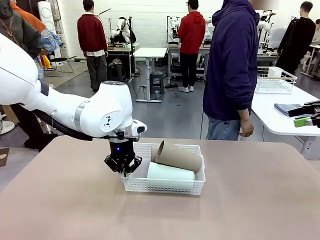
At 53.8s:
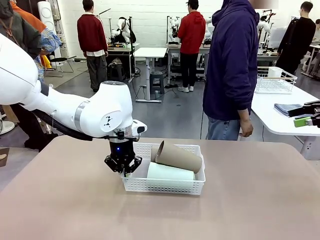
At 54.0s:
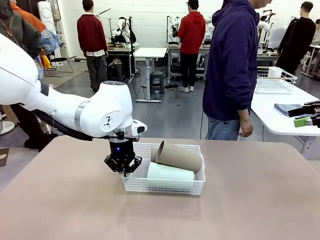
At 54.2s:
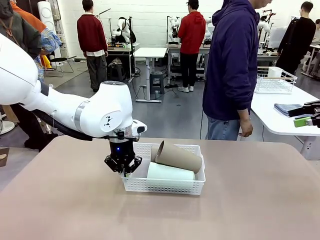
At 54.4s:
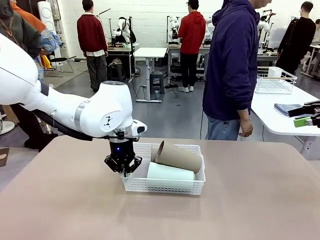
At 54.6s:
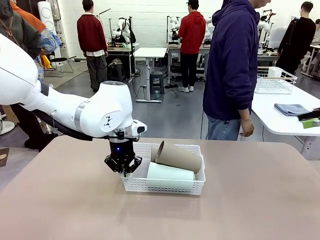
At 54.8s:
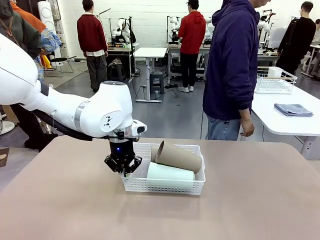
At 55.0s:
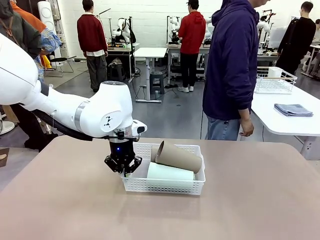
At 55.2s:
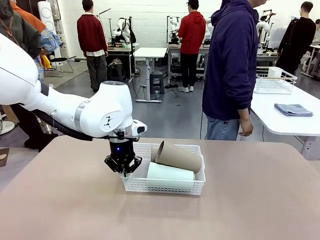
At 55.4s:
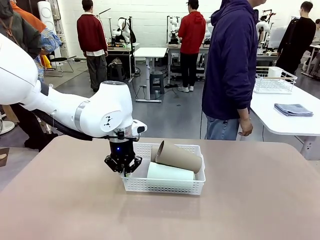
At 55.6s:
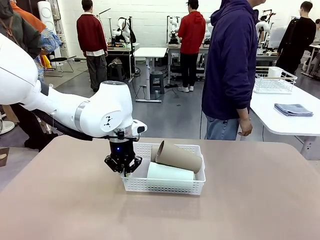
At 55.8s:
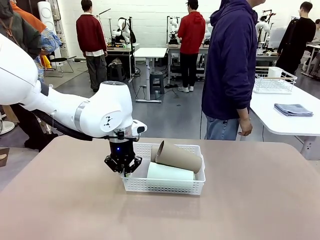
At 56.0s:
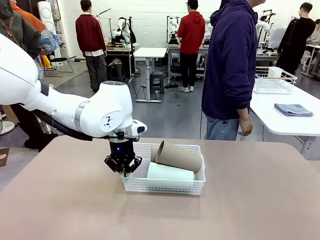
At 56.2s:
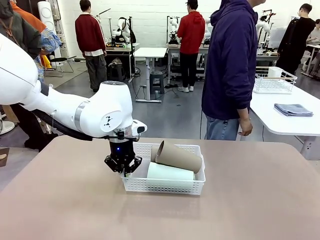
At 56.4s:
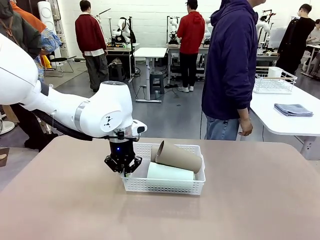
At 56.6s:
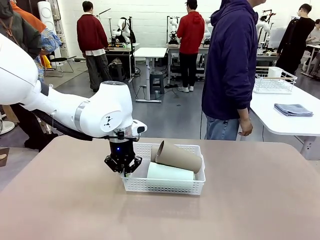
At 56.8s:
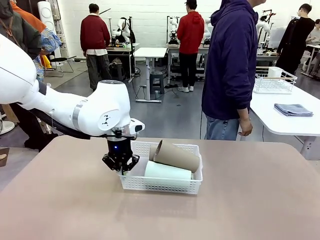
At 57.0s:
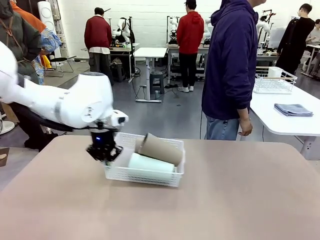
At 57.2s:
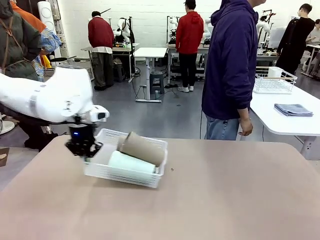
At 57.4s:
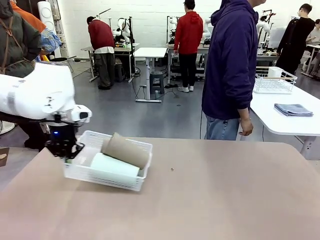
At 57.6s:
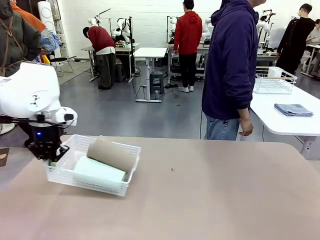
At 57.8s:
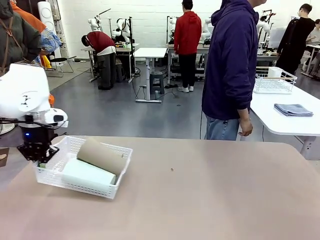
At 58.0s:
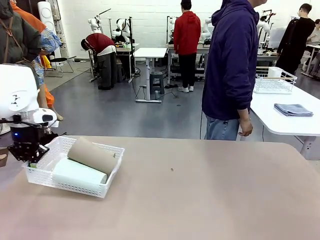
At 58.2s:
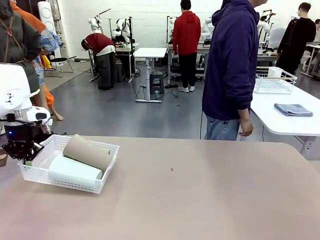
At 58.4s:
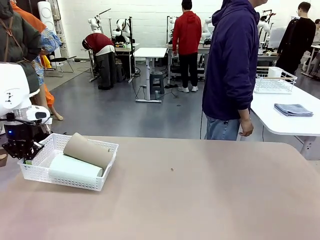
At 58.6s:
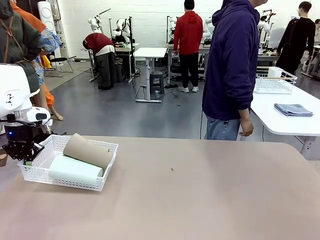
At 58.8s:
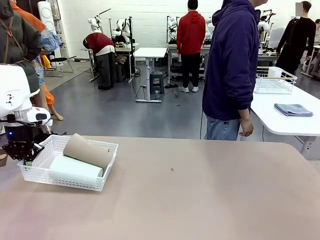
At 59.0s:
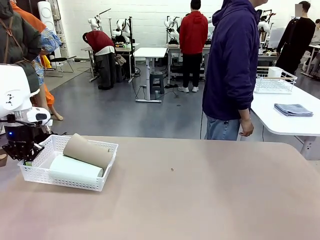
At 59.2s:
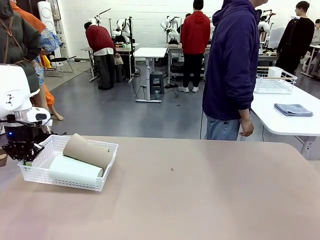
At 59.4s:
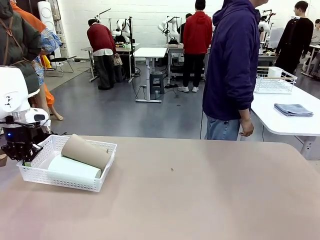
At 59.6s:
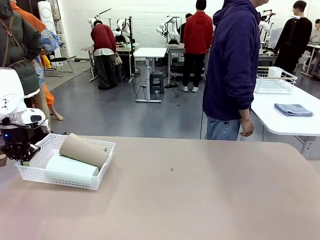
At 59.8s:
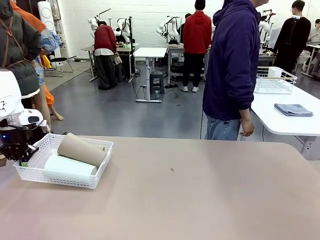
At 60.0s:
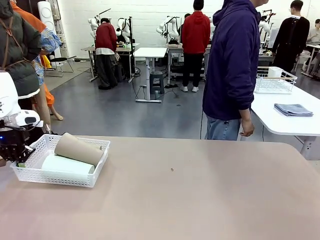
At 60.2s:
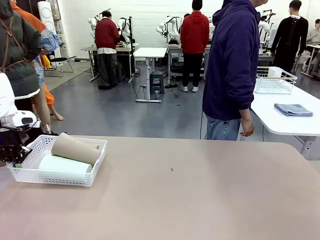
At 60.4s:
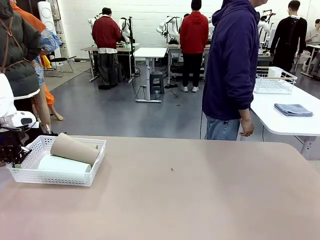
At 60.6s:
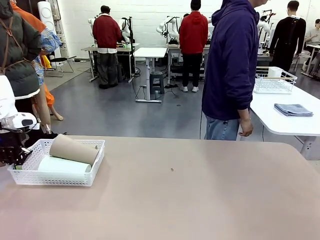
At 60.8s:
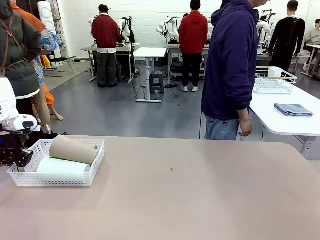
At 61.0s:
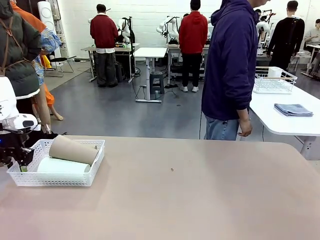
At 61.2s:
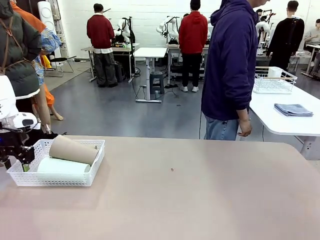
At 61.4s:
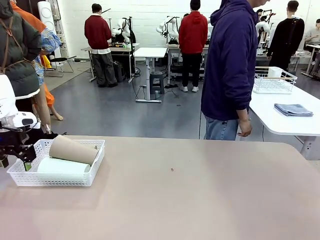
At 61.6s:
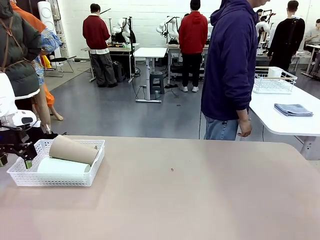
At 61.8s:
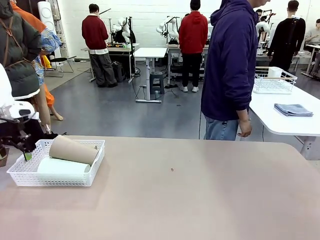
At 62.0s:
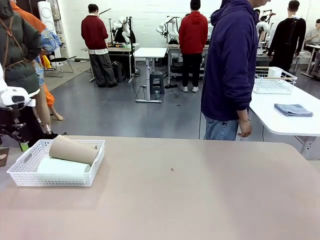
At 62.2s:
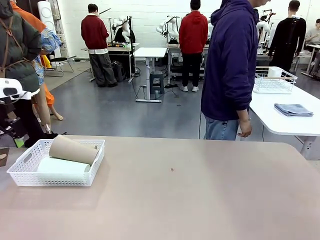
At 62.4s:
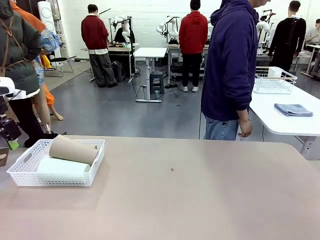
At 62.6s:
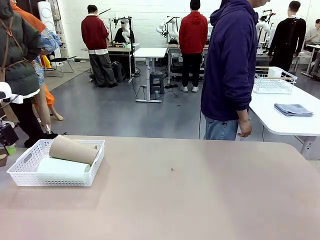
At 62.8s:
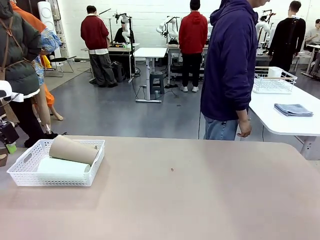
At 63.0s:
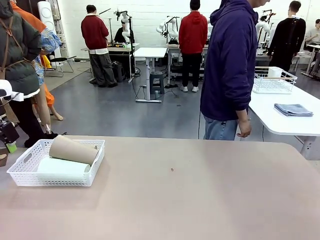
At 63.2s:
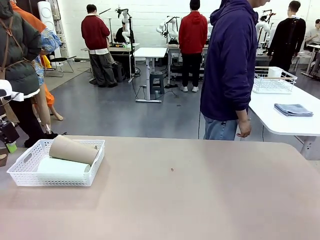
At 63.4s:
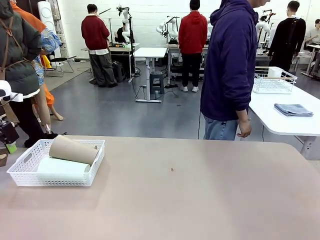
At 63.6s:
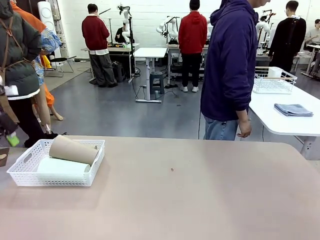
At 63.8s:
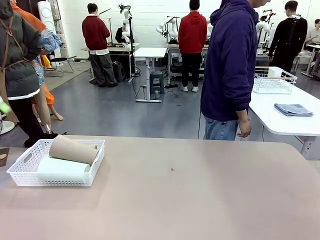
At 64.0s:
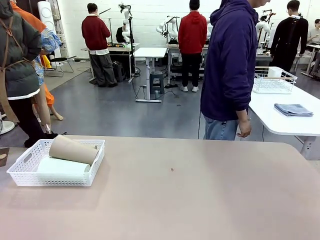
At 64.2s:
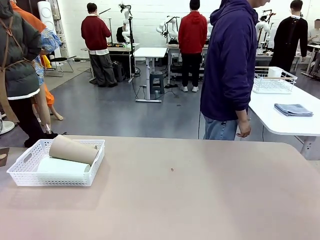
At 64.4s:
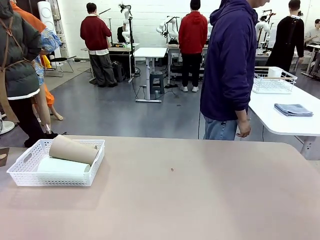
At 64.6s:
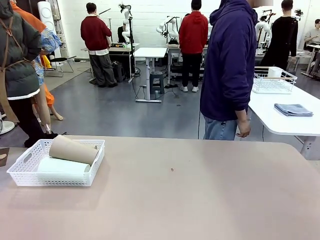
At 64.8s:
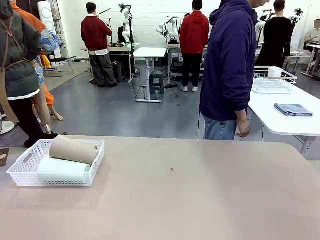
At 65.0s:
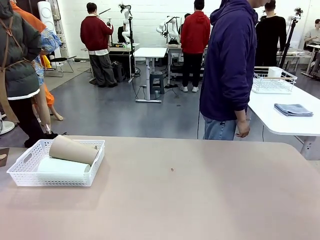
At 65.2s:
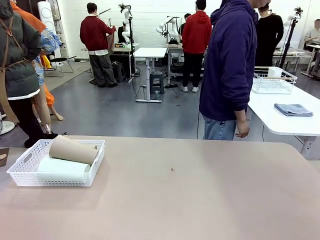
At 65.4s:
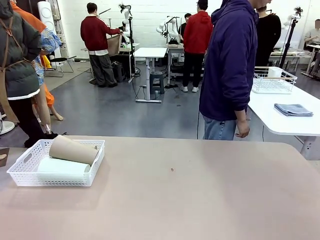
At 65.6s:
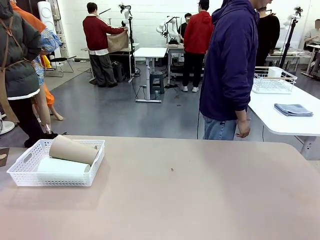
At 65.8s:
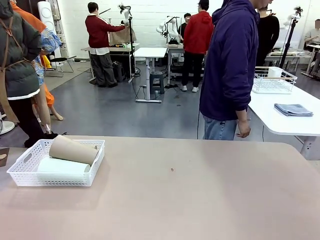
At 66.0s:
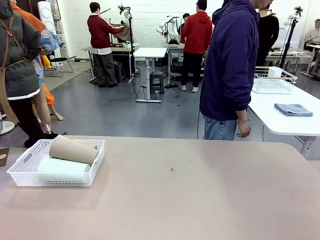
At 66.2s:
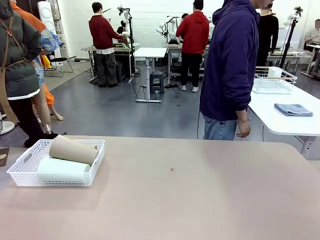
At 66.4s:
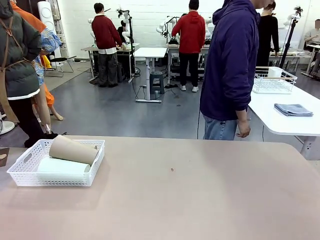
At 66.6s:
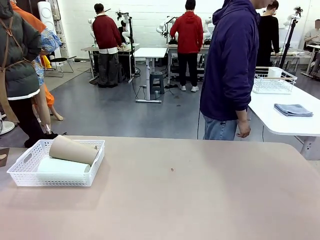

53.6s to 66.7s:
Task: Clean and organize the cups into the basket.
Robot: Move the Organizing basket back to the left side of the table.
Person: Folds the towel in half twice and places it in the right of the table.

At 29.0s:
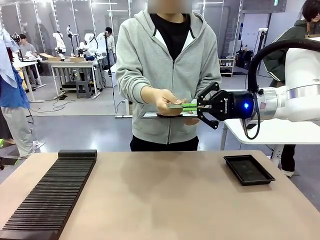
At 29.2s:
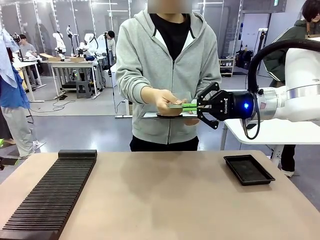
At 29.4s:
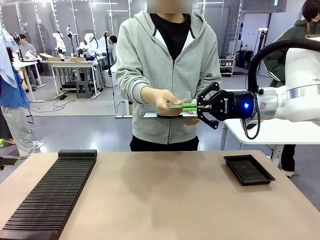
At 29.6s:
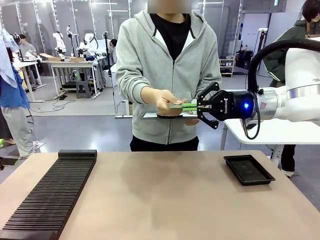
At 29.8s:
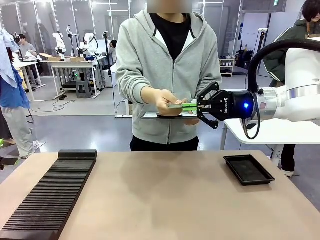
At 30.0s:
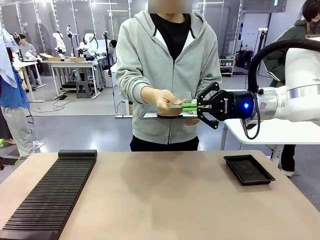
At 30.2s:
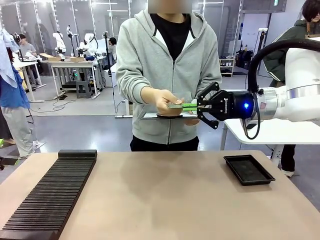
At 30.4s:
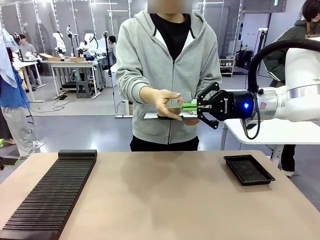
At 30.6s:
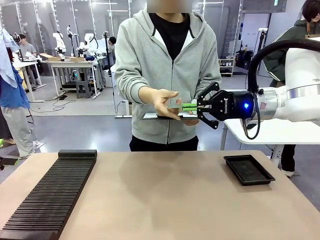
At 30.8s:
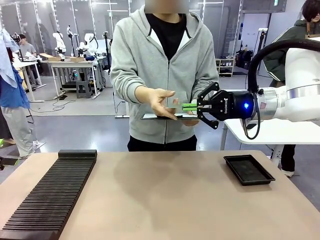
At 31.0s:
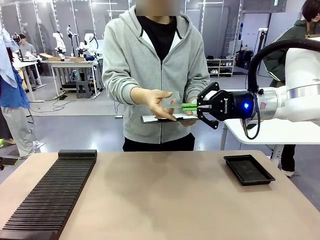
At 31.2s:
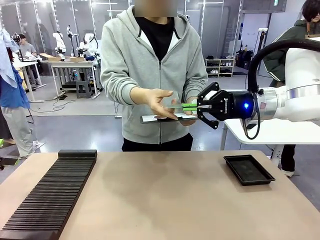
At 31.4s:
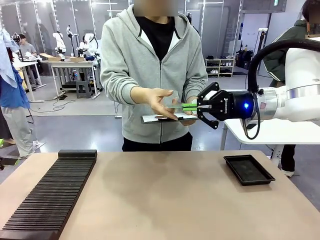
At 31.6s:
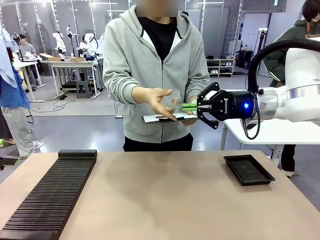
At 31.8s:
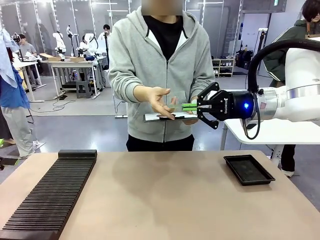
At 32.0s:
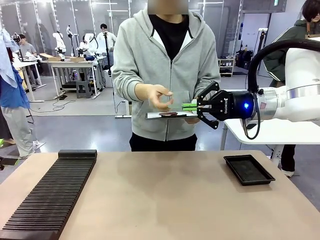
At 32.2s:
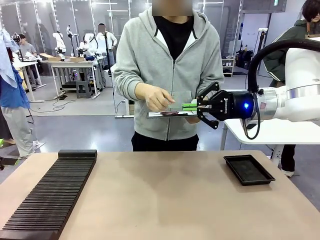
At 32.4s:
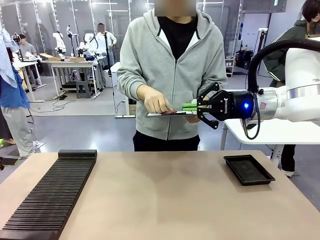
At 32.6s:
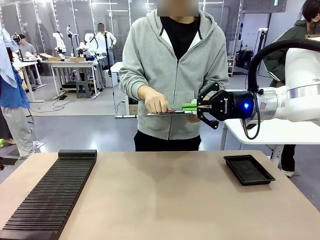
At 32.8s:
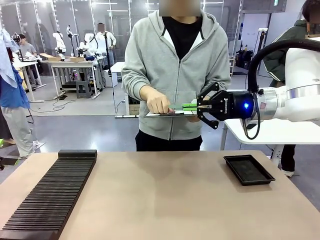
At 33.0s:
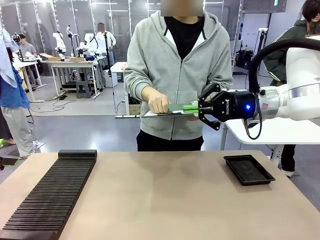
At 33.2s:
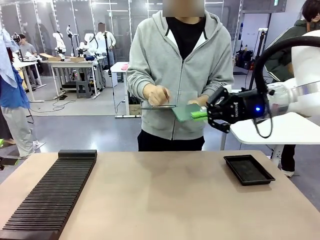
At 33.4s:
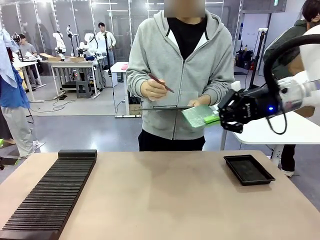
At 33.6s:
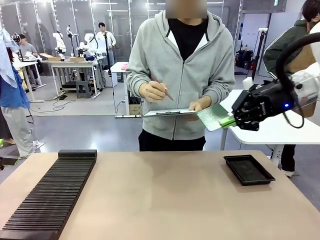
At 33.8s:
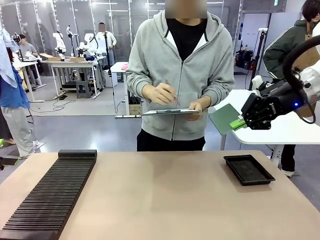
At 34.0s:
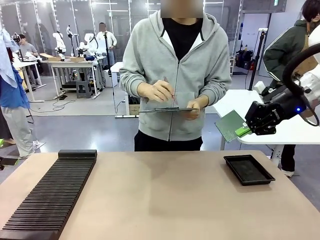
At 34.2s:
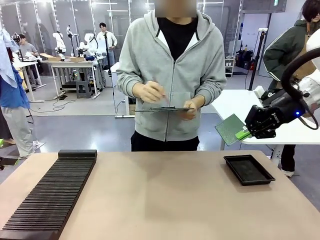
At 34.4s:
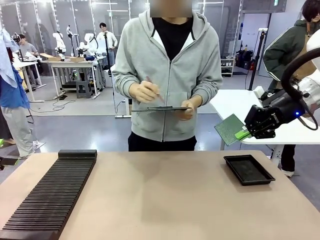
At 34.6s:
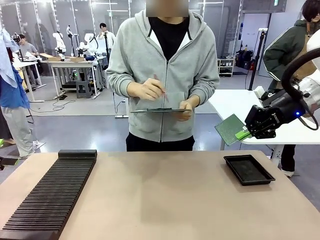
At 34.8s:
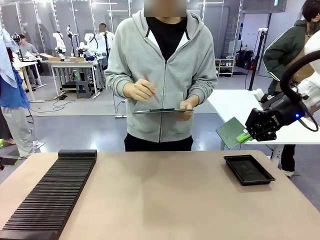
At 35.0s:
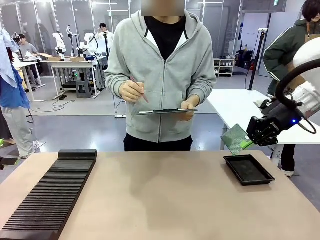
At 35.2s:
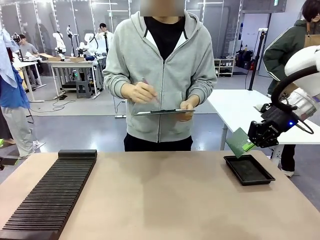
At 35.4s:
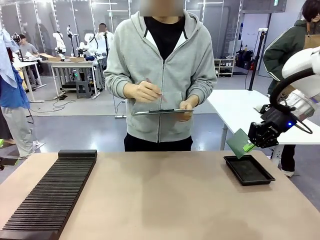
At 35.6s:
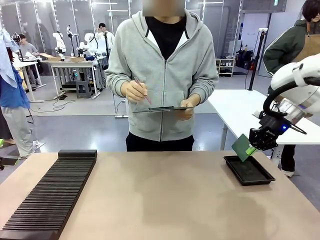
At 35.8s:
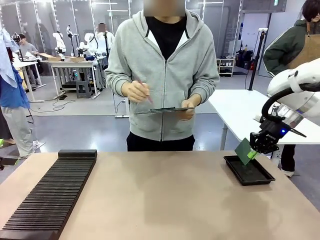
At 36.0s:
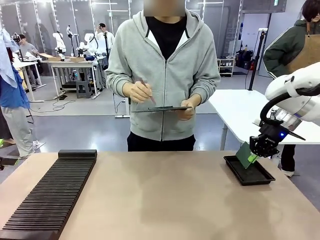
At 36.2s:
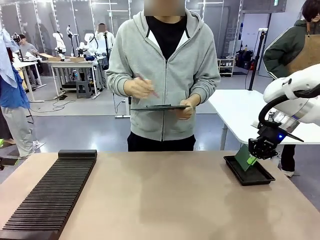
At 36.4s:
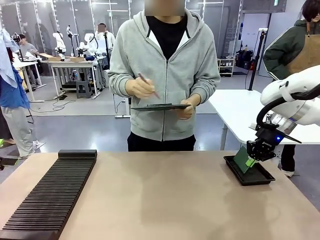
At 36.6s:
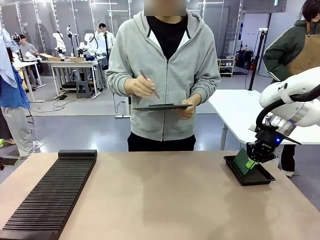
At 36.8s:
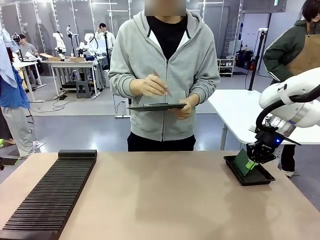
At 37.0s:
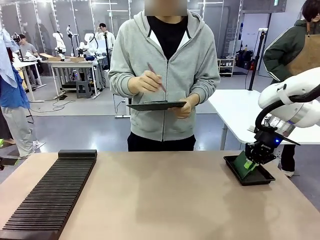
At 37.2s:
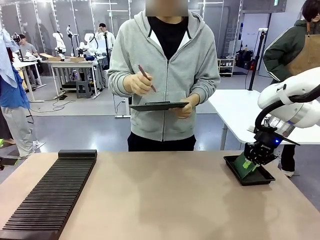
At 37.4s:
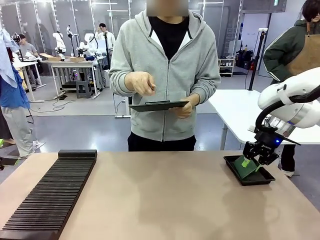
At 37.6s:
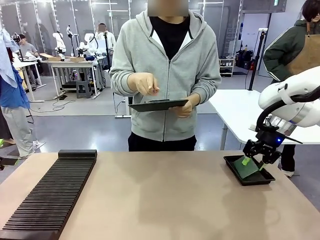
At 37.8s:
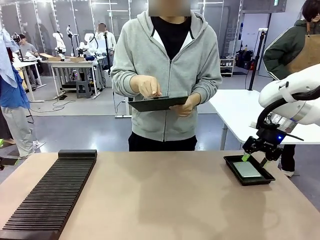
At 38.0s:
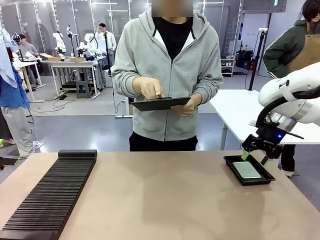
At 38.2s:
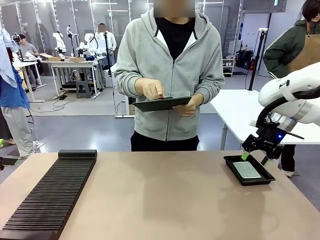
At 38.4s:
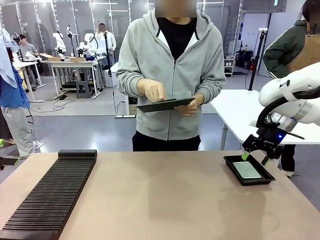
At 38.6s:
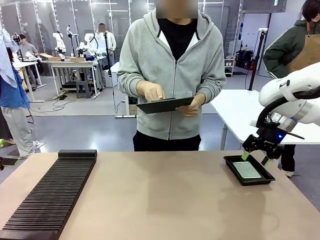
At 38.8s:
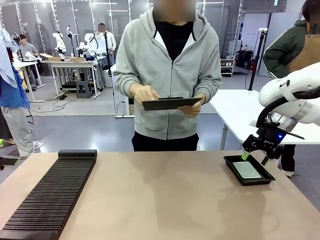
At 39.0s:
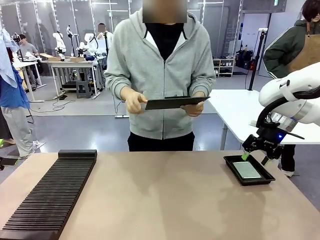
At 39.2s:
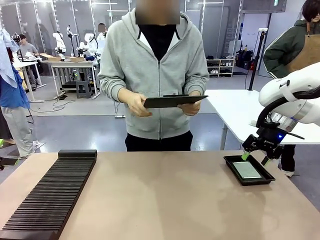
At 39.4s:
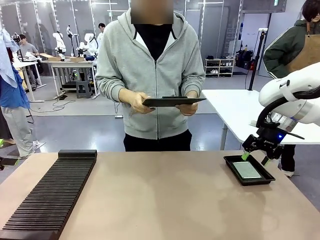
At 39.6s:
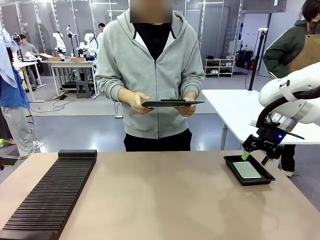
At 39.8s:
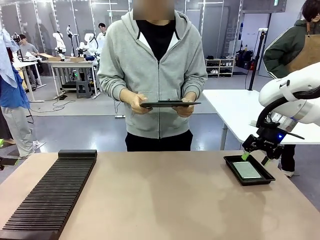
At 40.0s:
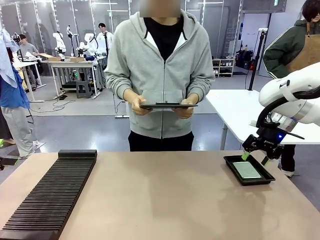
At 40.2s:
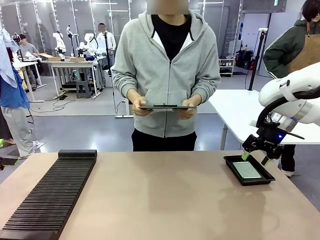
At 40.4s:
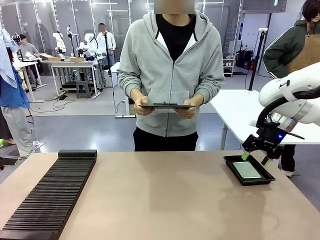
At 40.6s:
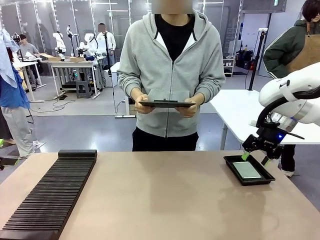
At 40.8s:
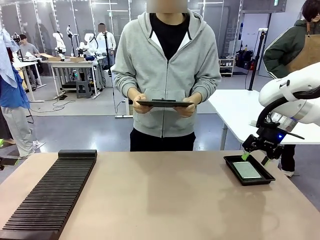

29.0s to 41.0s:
Task: Inspect the PCB.
Robot: Place the Blank PCB in the ESD tray.
Person: Record the PCB status on the paper.
